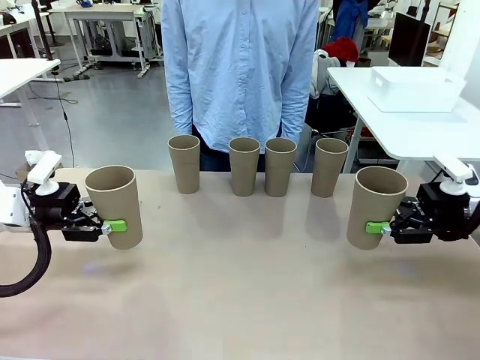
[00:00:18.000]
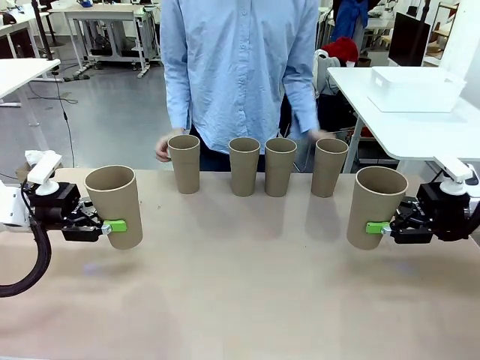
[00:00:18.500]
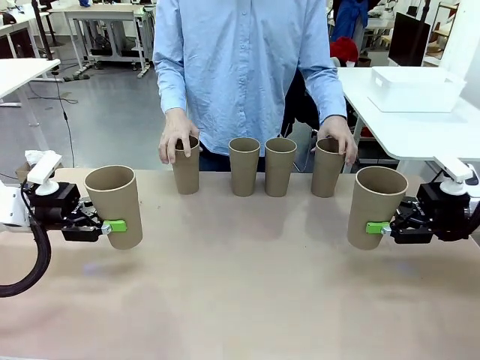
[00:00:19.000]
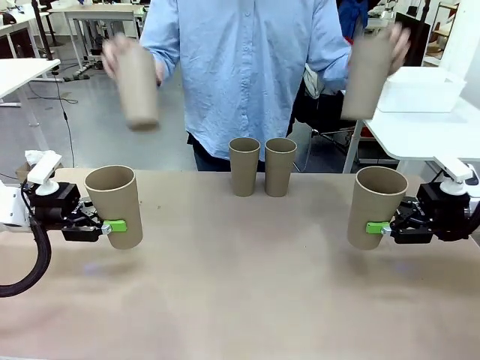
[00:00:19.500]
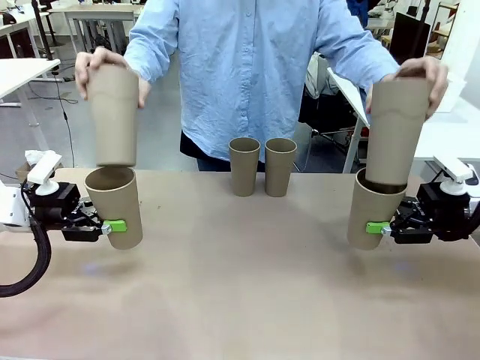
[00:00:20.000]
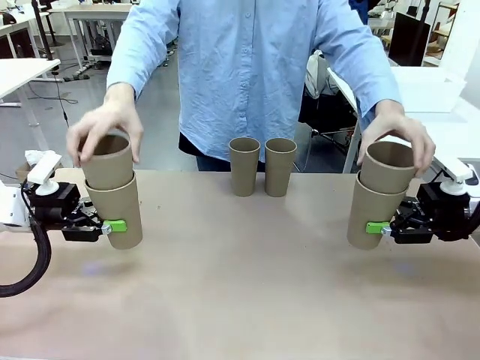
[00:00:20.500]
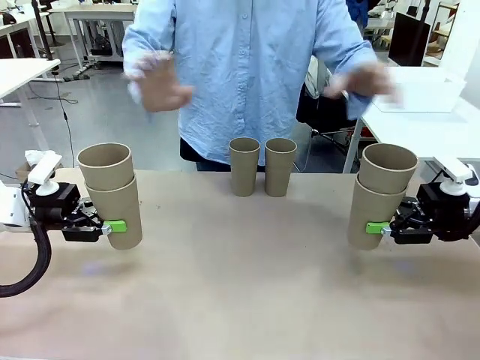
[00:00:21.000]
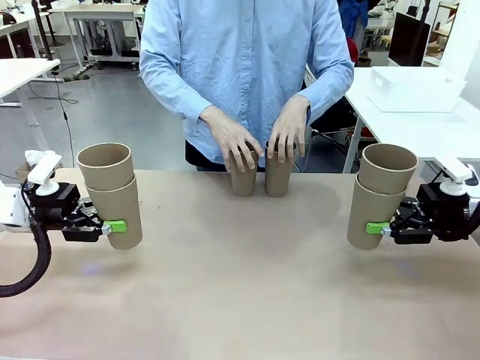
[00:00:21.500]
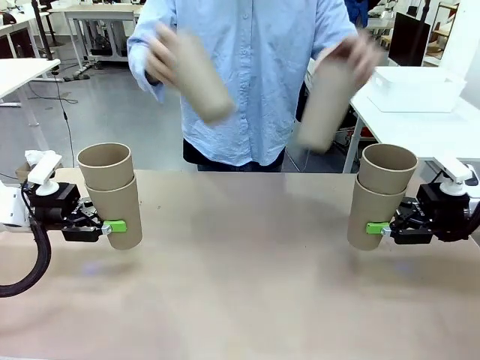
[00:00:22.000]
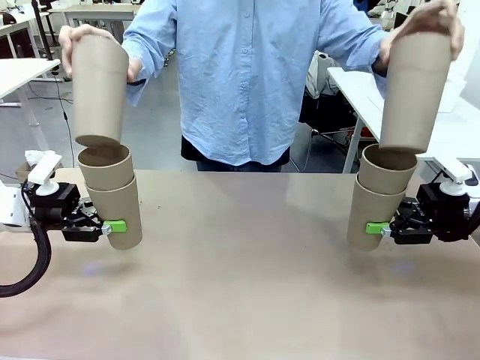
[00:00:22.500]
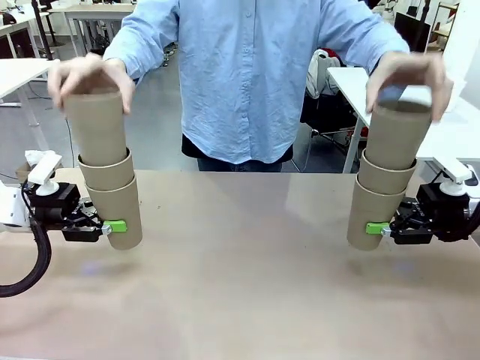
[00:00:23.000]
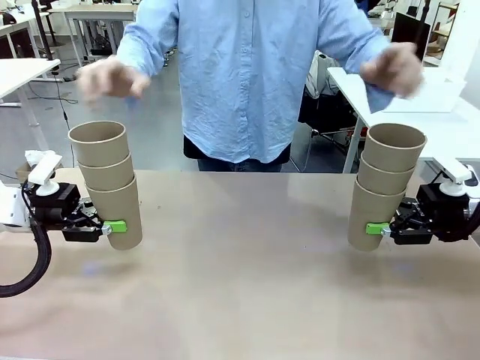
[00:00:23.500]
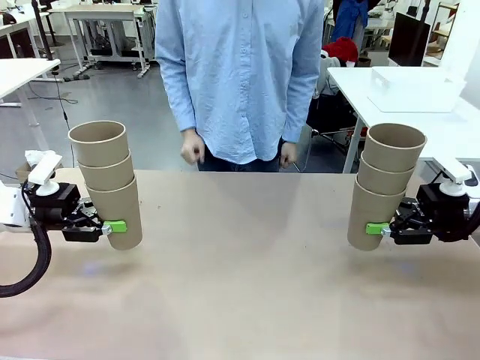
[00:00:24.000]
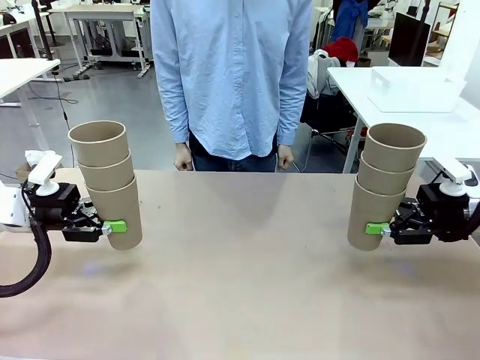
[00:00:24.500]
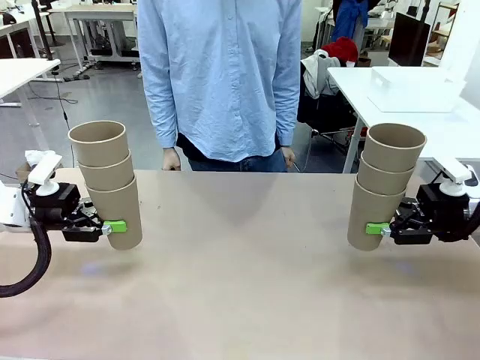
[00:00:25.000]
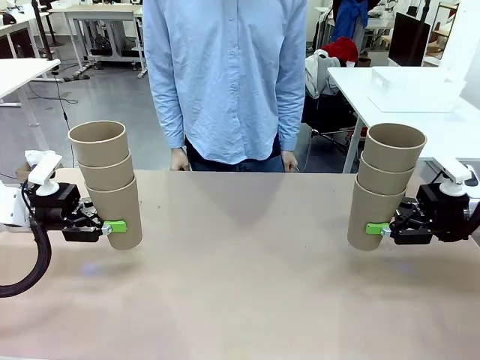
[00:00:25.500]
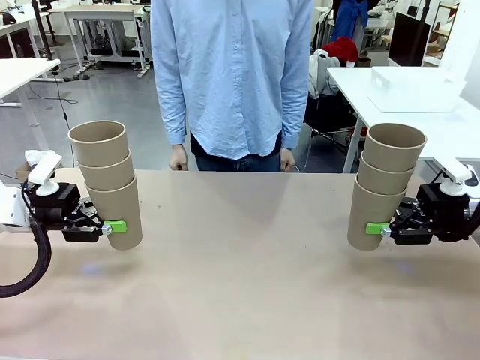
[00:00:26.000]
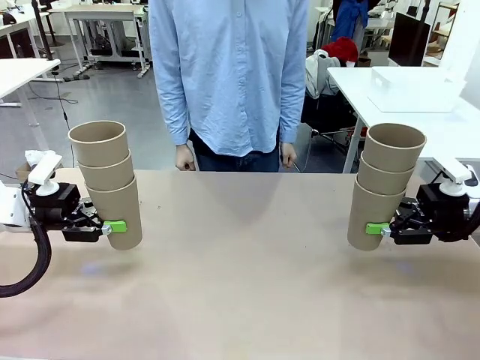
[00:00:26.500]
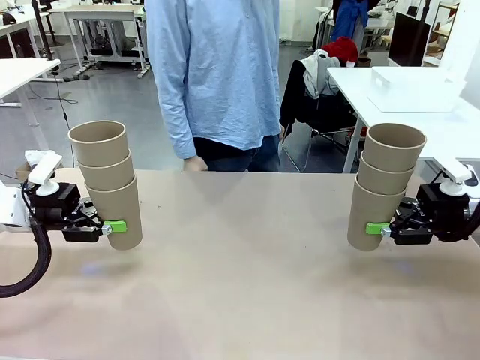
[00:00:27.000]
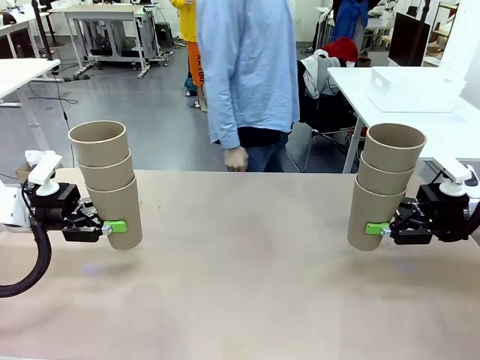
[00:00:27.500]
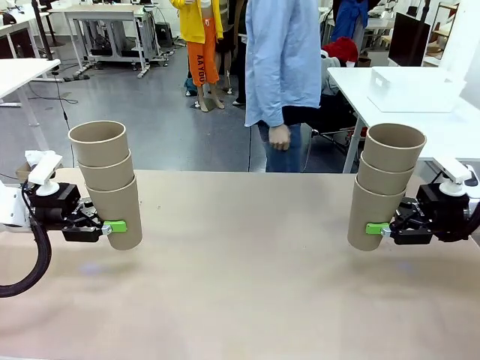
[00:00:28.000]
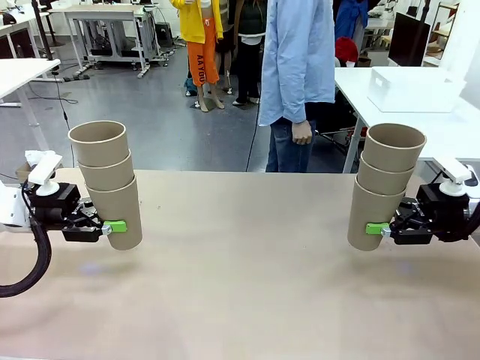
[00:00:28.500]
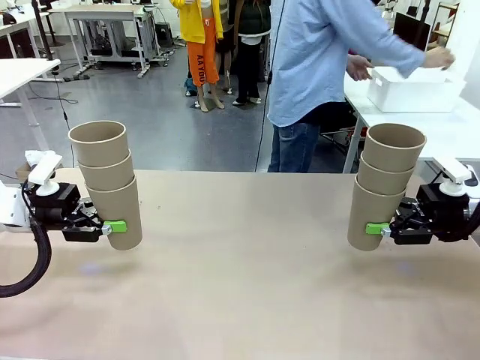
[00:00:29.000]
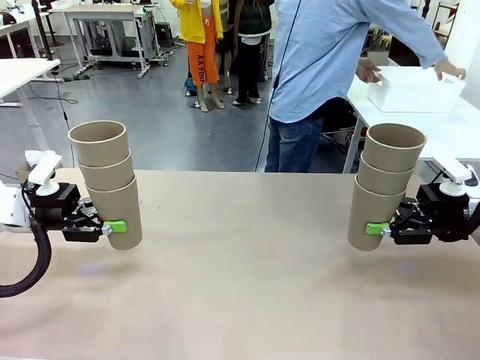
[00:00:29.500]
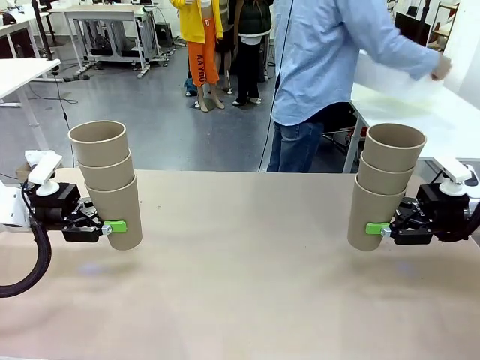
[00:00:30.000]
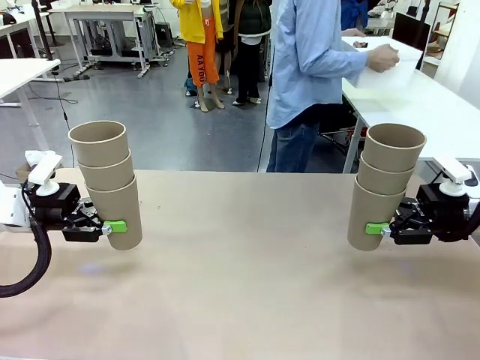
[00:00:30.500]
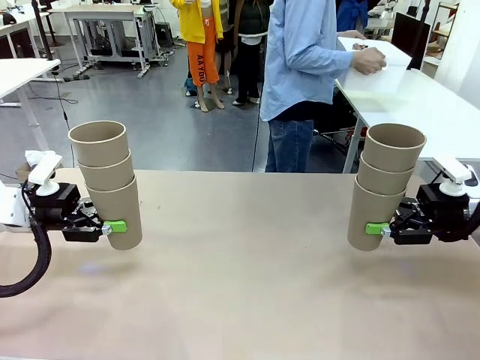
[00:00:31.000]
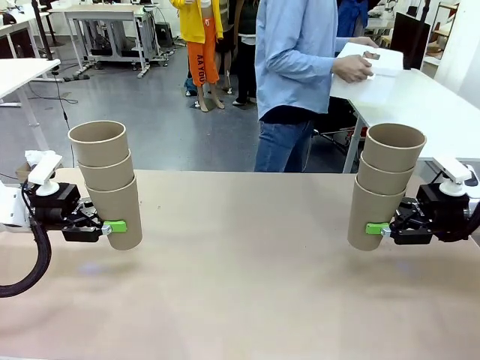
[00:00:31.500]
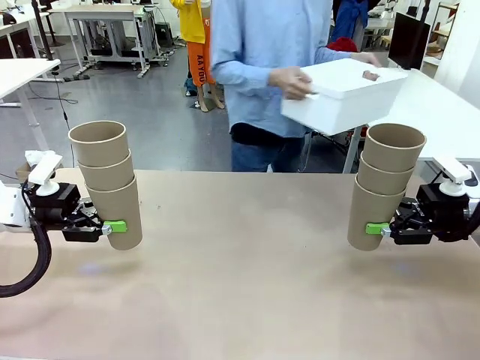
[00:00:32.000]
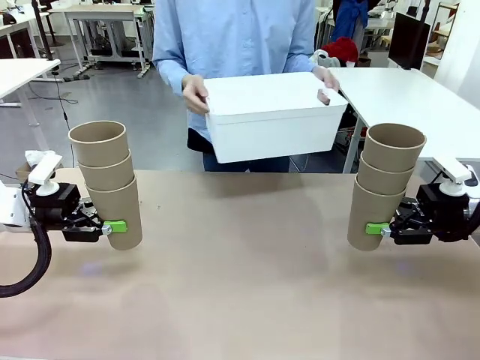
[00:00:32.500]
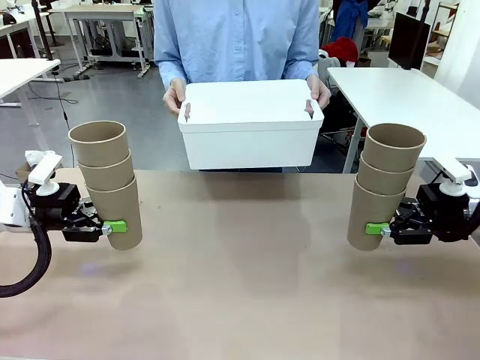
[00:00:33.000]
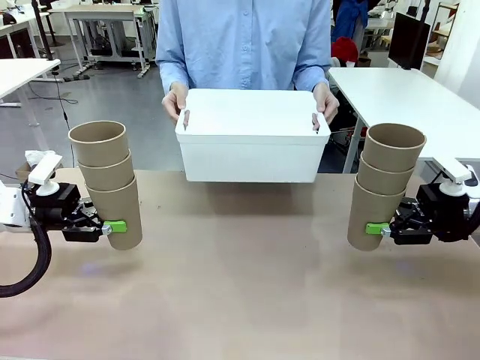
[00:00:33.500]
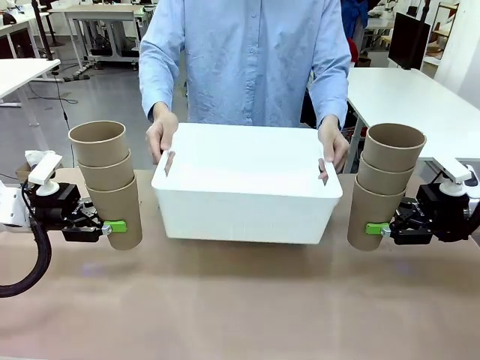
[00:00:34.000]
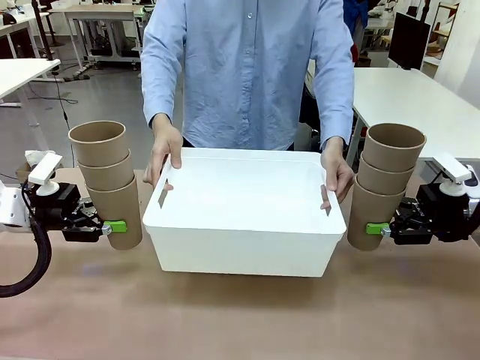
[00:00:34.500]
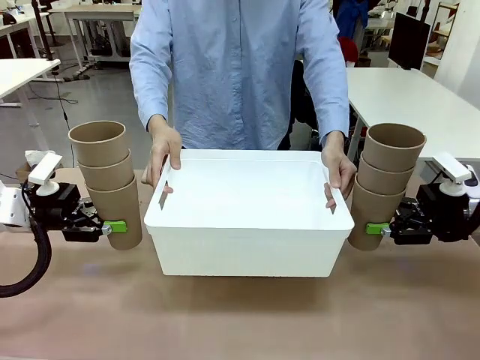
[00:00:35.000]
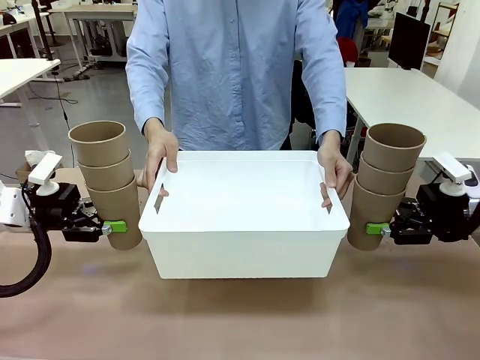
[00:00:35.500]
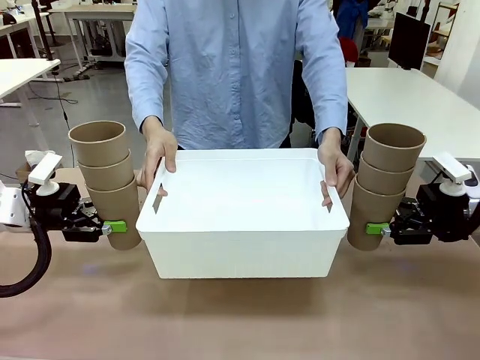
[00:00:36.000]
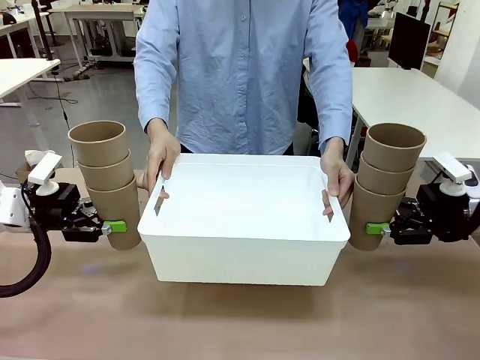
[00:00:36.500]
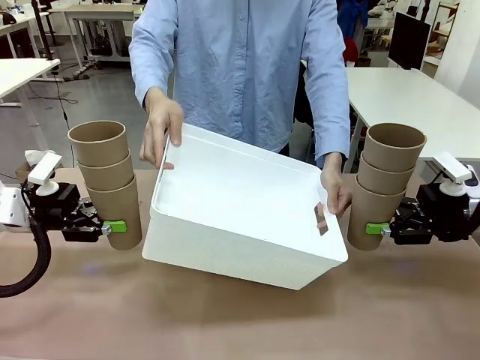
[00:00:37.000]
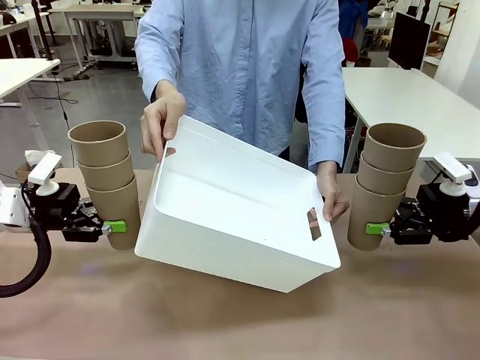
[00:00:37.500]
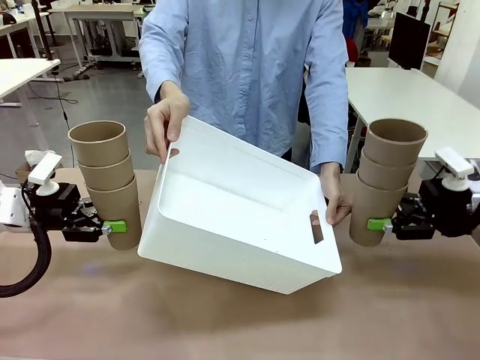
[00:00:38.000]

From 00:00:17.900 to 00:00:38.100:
Task: Stack the cups and store them in the basket.
Robot: Place the stack of Reusable plastic cups into the Pantry Basket.
Person: Pick up the basket from the Human Table, bring it to the front of the robot, and present it.
